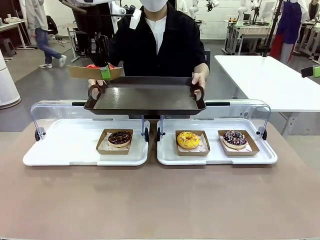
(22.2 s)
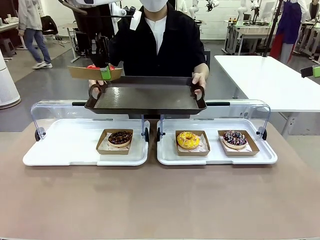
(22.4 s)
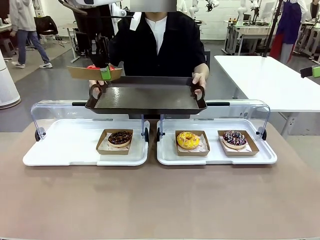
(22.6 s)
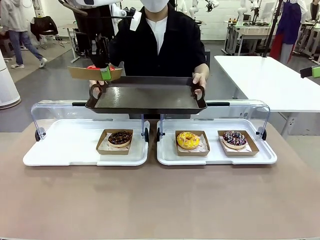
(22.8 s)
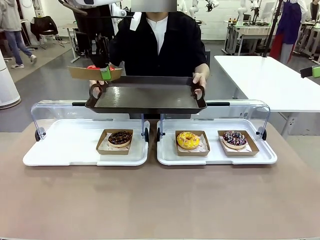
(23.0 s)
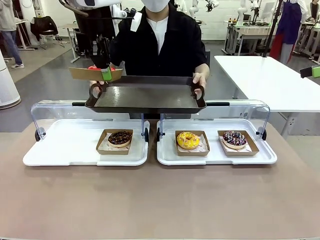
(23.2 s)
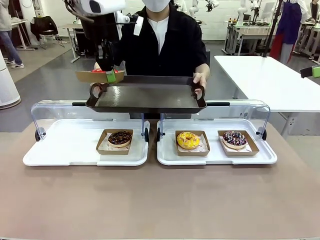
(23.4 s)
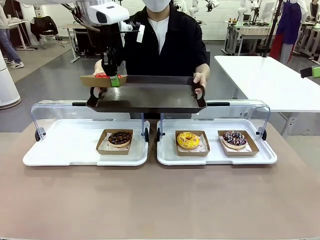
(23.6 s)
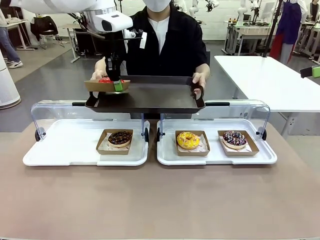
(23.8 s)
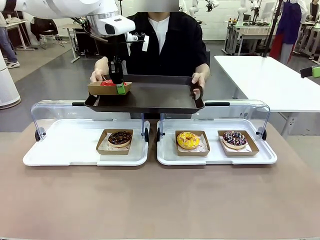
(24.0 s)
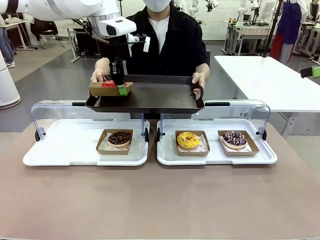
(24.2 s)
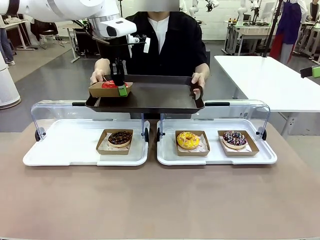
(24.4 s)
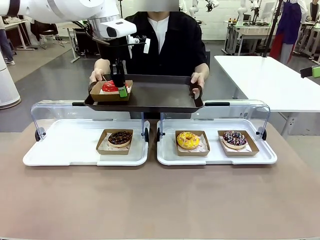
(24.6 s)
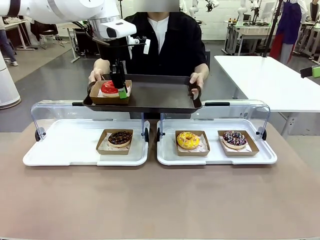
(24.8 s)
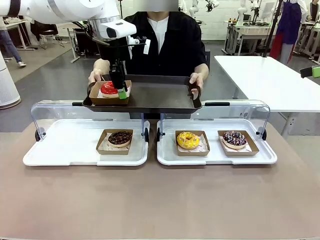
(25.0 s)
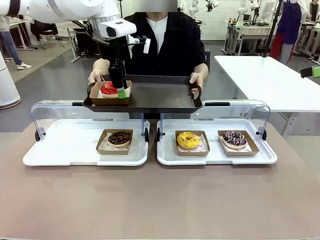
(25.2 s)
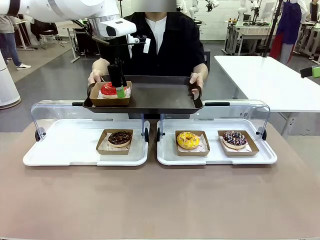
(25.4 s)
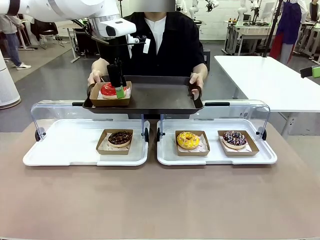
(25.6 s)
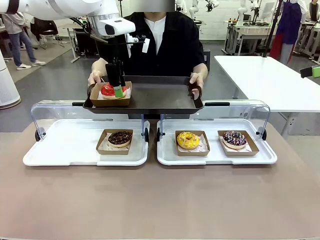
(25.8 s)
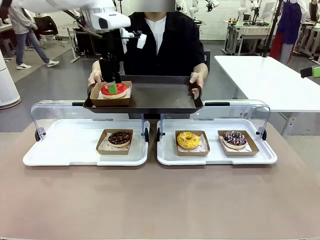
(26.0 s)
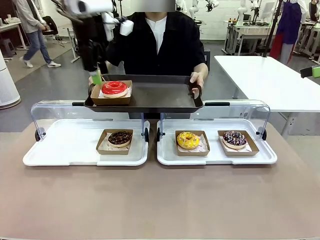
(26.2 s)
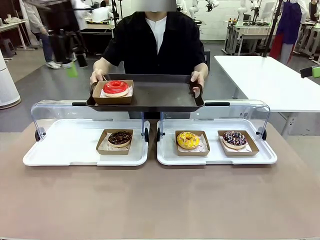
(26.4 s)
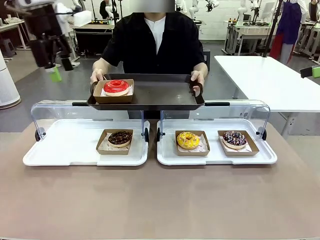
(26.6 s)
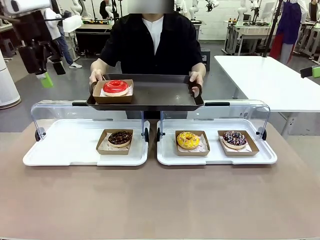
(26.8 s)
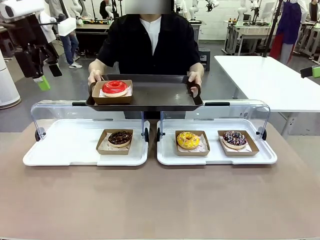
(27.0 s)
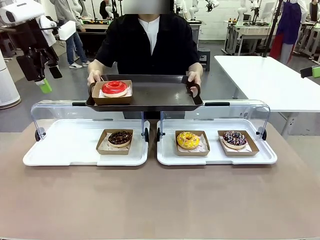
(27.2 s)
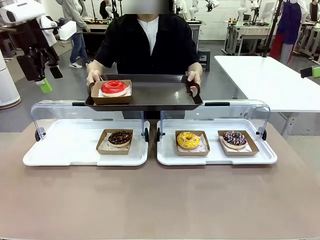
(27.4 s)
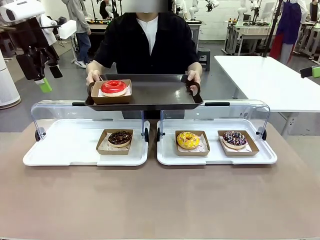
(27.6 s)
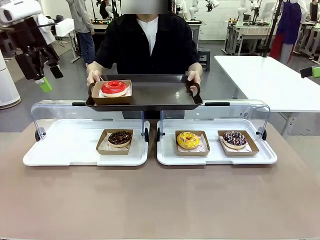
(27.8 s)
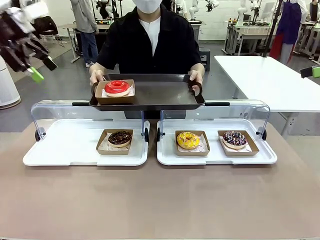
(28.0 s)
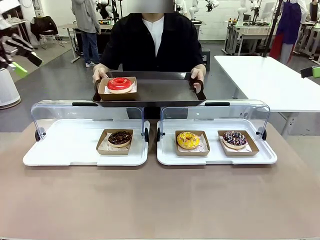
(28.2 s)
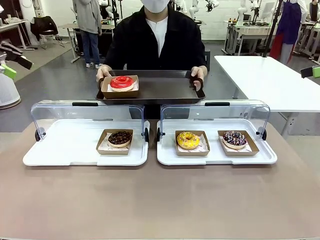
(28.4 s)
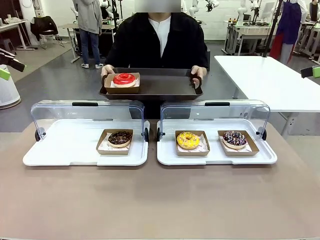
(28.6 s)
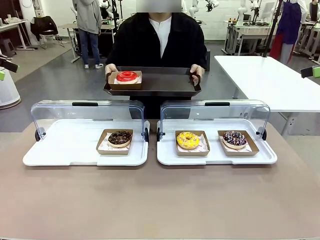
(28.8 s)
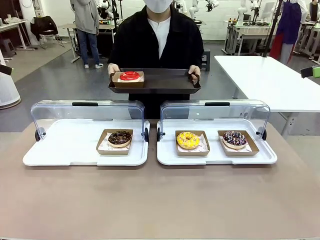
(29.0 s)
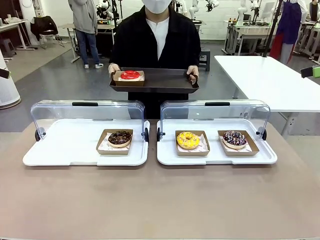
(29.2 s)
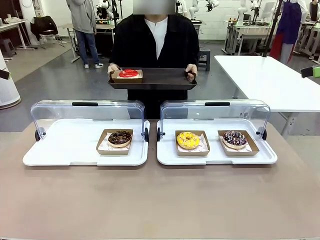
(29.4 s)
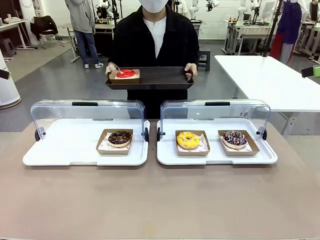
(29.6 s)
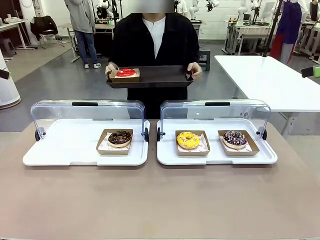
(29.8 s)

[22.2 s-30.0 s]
Task: Provide the desired donut to the person.
Robot: Place the picked Paper togo box onto the Handle tray extended by the person.
Person: Point to one donut.

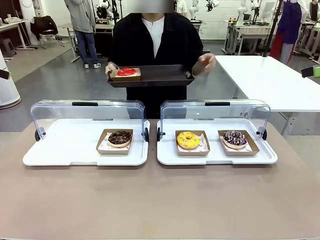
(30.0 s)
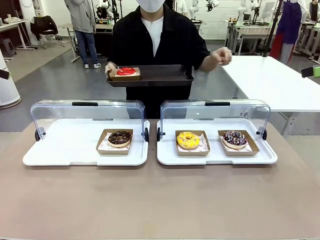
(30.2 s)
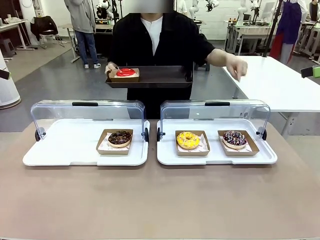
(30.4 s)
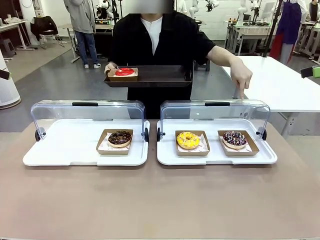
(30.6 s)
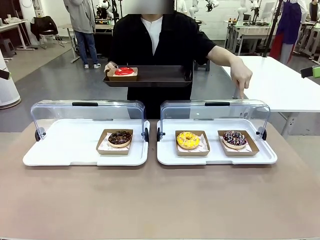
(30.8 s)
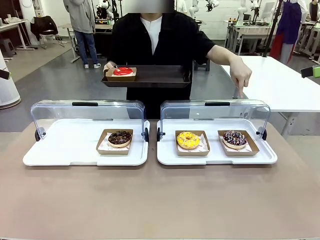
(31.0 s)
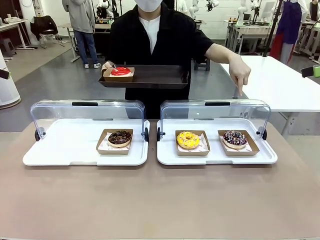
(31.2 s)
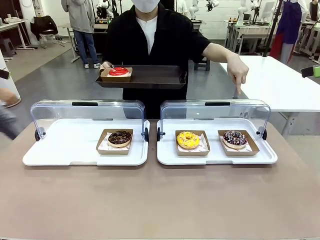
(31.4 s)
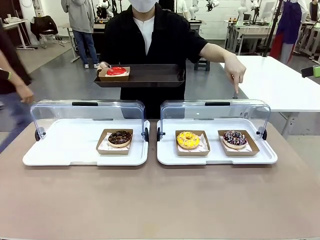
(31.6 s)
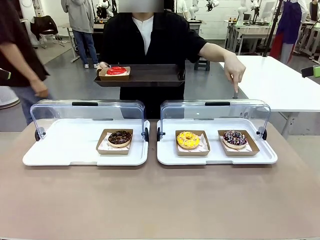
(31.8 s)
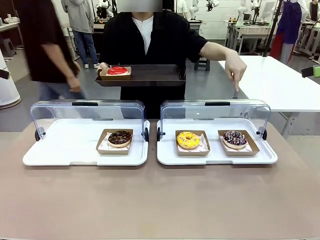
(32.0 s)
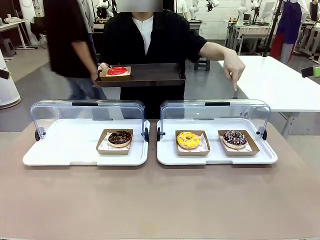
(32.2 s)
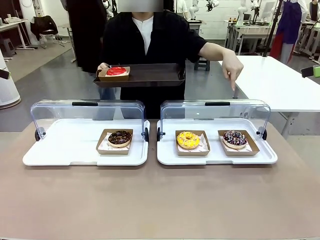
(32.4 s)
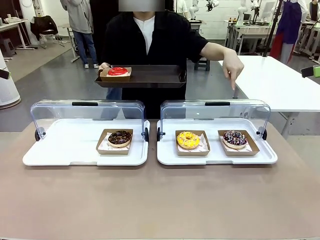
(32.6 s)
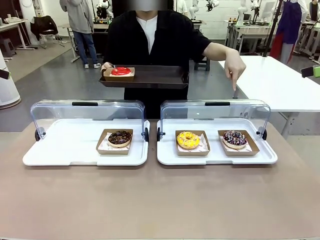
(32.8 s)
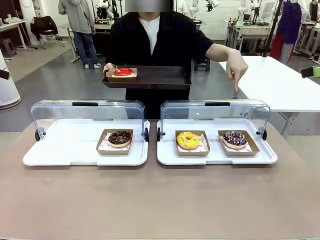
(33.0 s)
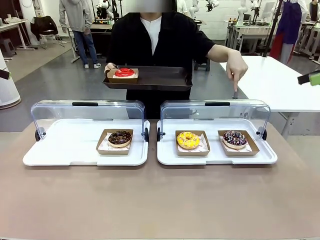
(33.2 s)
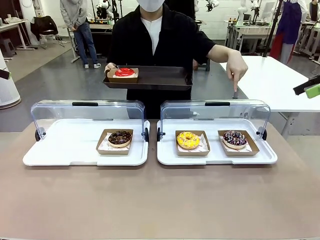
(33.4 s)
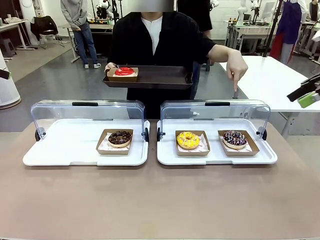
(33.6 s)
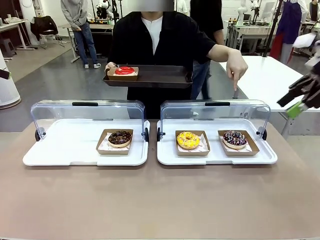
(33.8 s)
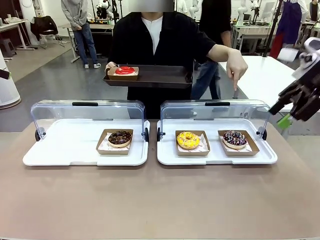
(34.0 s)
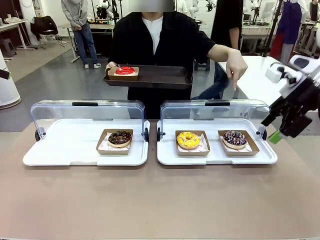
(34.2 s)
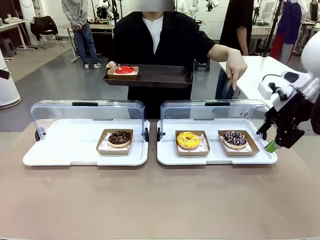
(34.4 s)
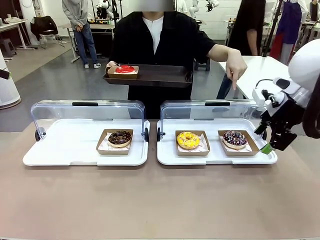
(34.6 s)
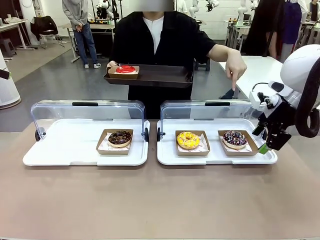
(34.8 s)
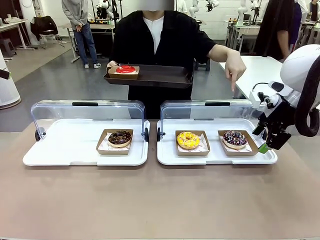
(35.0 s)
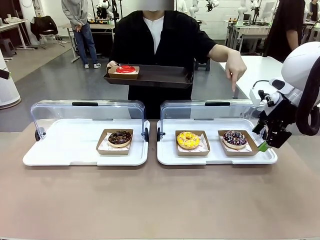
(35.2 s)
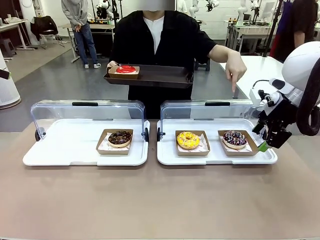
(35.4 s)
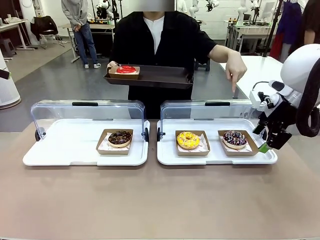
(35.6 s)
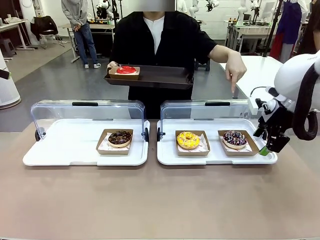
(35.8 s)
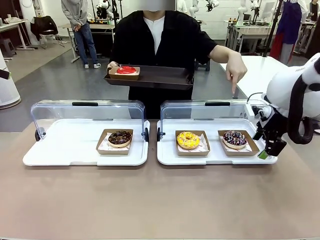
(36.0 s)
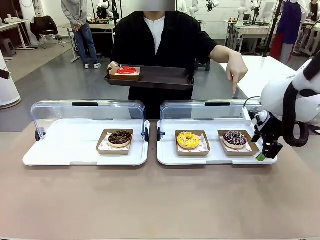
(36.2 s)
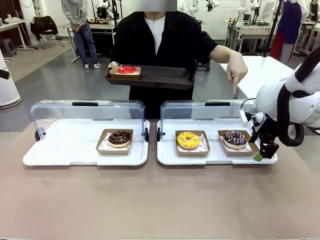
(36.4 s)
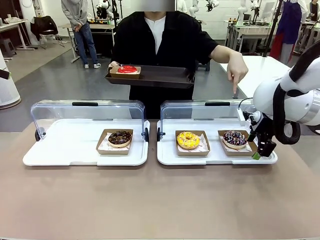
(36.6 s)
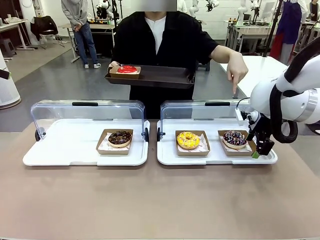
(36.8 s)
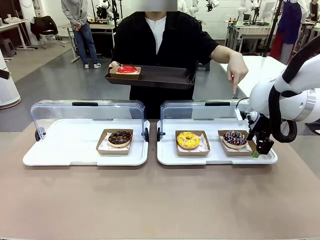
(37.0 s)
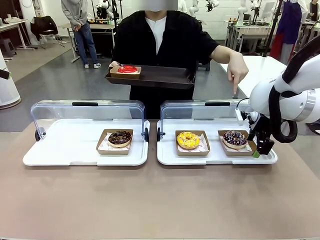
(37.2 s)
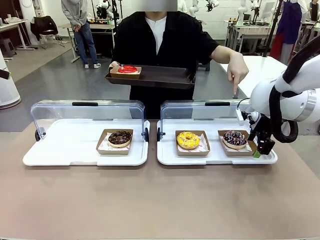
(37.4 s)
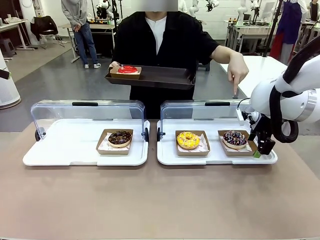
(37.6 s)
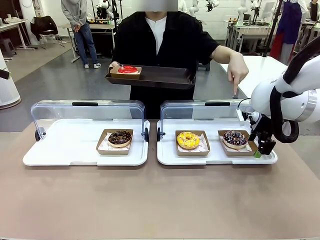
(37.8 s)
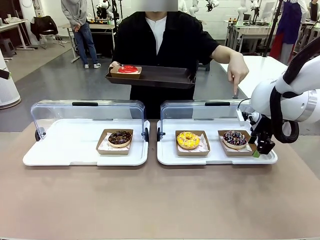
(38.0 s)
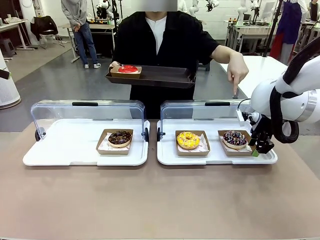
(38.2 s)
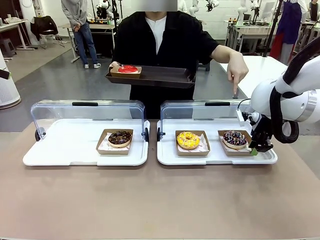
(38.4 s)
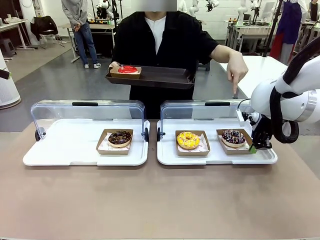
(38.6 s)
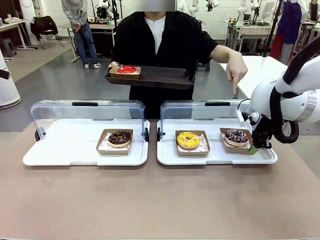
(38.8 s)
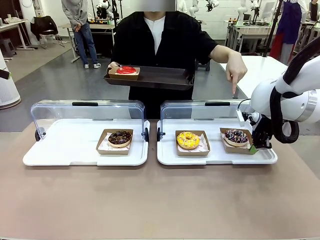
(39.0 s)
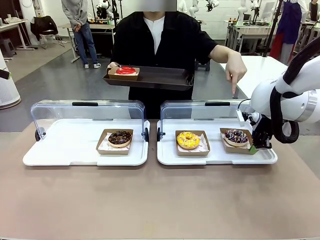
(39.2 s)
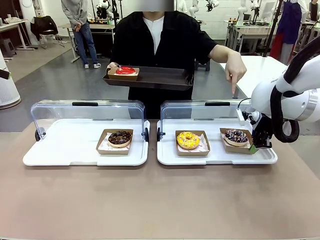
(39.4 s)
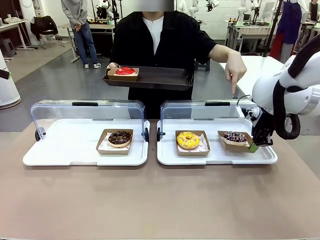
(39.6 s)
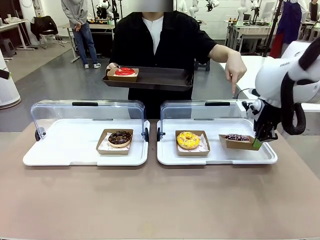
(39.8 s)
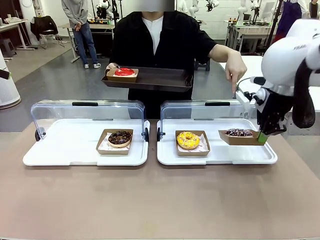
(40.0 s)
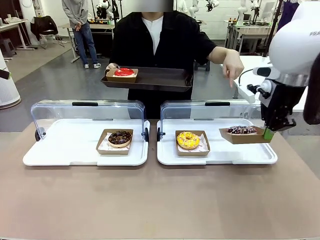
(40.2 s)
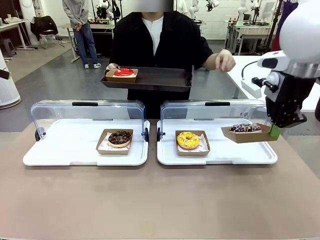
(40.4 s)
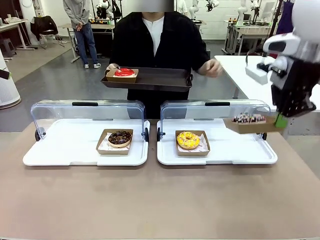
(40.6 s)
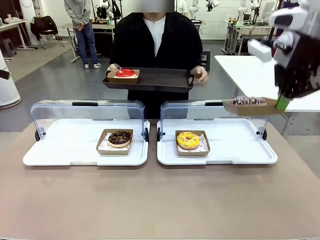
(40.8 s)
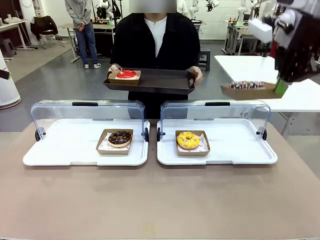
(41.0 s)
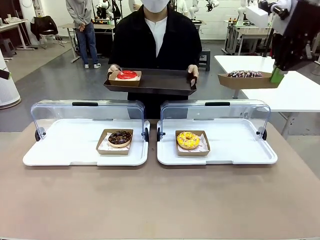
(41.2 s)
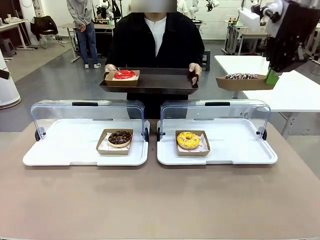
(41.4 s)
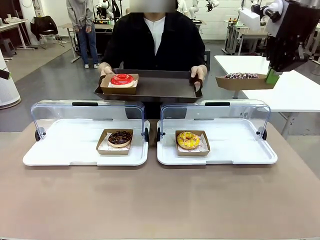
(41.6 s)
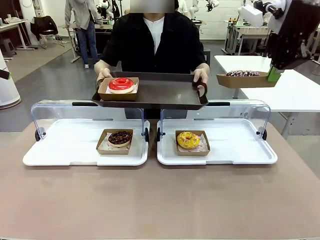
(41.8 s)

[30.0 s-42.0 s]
Robot: Pick up and lift the Paper togo box containing the Donut pointed at by the person.
Person: Lift the tray onto the Roll-Top Bakery Case.
